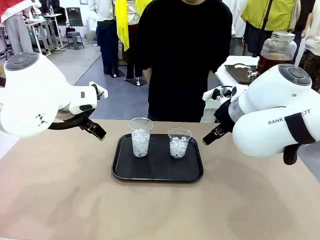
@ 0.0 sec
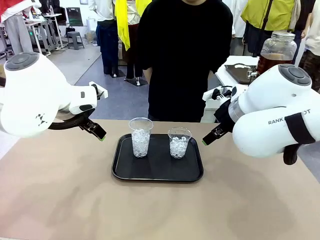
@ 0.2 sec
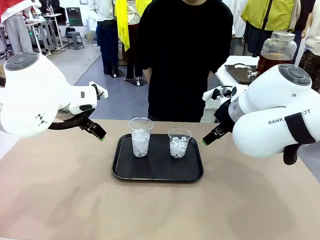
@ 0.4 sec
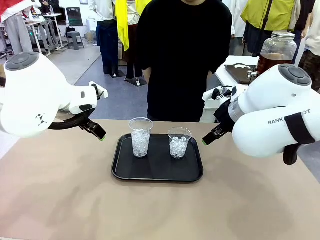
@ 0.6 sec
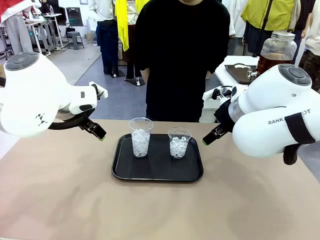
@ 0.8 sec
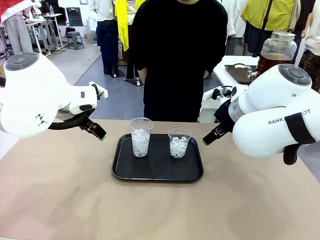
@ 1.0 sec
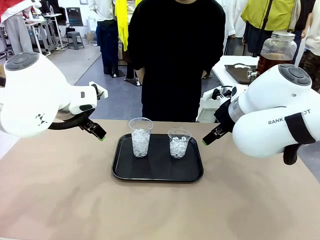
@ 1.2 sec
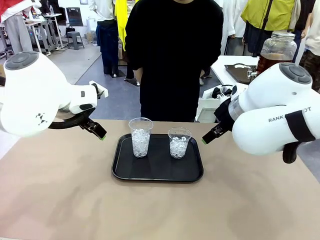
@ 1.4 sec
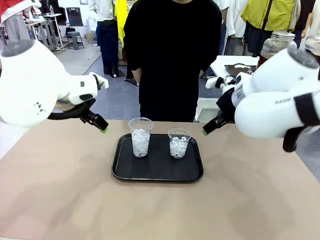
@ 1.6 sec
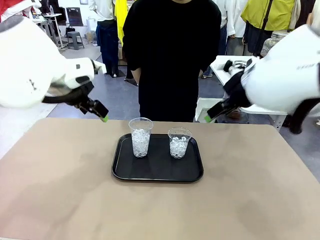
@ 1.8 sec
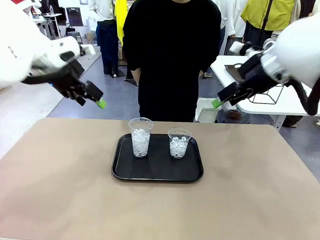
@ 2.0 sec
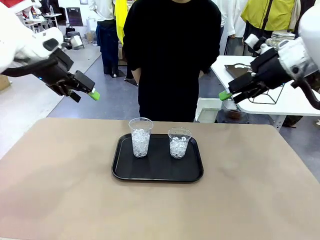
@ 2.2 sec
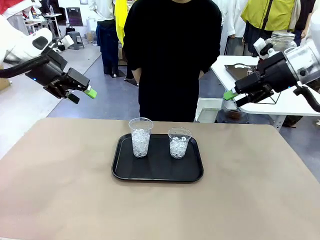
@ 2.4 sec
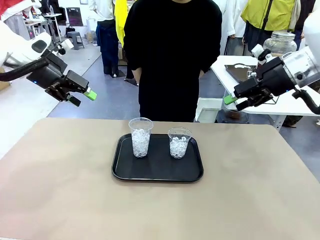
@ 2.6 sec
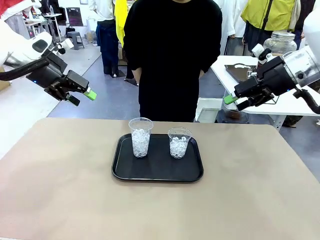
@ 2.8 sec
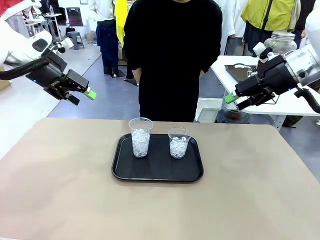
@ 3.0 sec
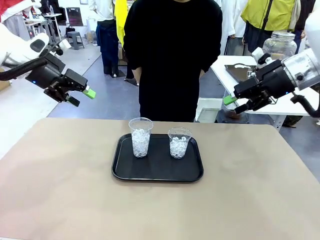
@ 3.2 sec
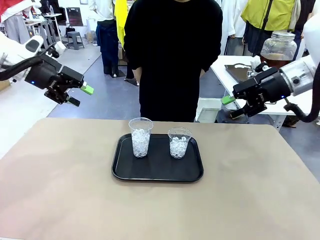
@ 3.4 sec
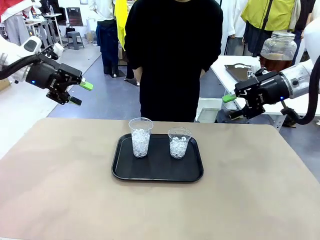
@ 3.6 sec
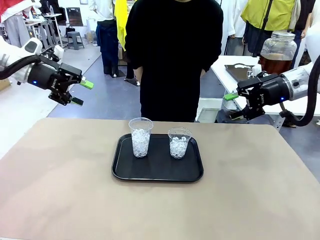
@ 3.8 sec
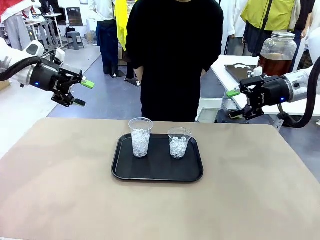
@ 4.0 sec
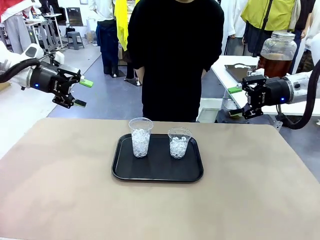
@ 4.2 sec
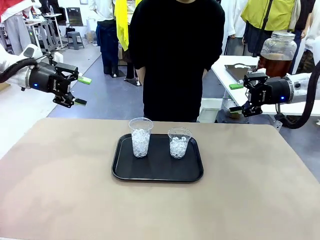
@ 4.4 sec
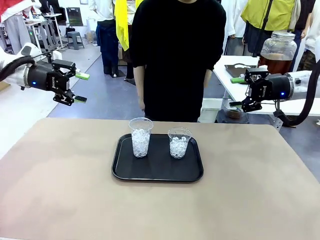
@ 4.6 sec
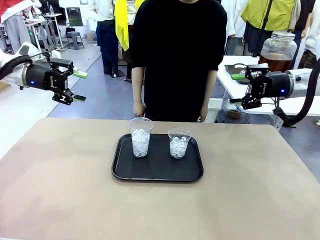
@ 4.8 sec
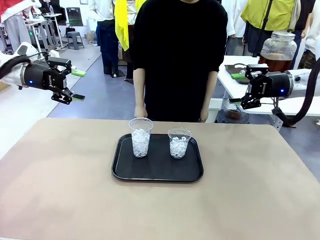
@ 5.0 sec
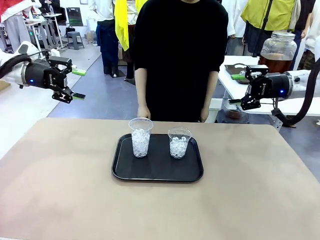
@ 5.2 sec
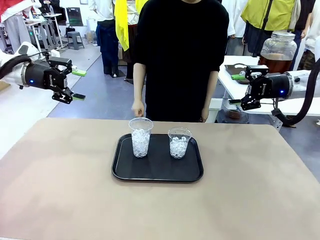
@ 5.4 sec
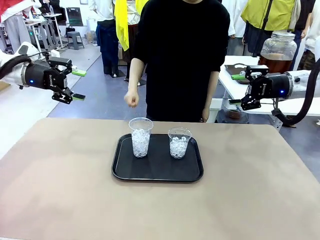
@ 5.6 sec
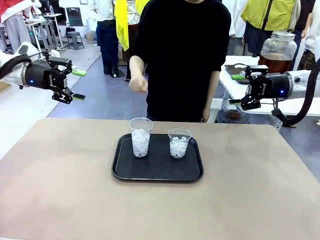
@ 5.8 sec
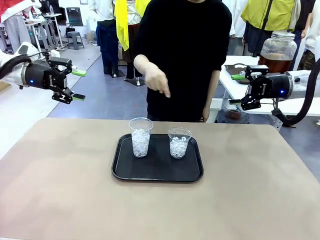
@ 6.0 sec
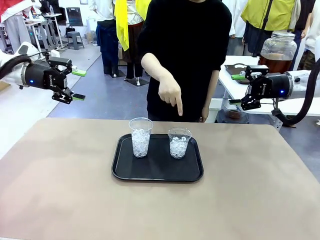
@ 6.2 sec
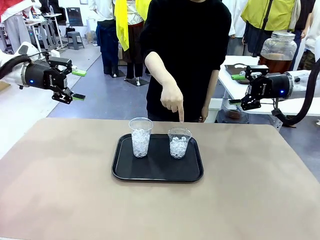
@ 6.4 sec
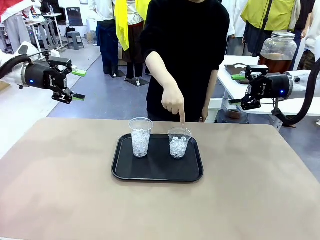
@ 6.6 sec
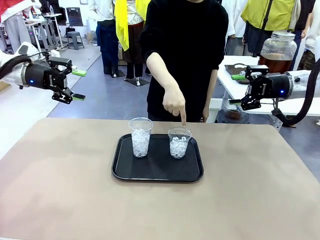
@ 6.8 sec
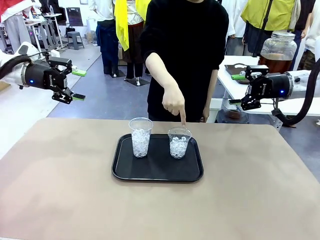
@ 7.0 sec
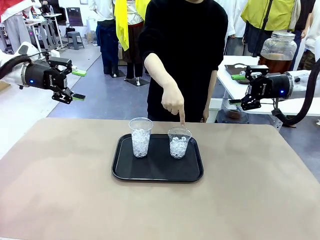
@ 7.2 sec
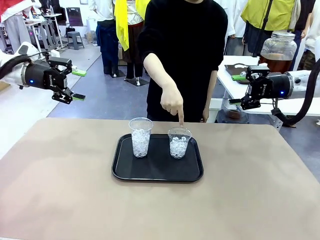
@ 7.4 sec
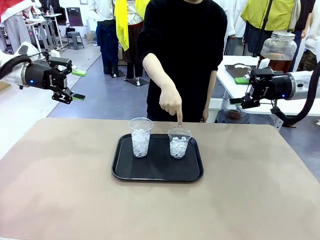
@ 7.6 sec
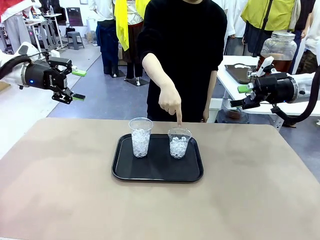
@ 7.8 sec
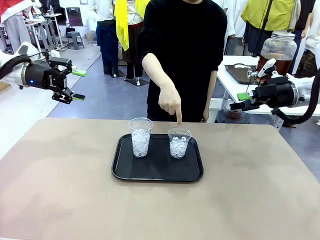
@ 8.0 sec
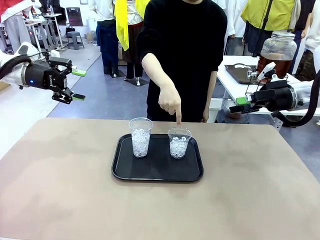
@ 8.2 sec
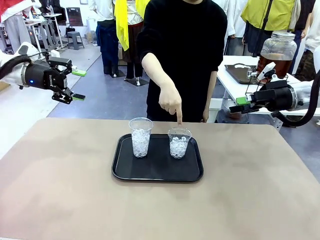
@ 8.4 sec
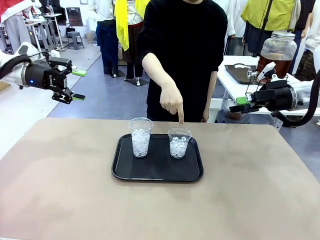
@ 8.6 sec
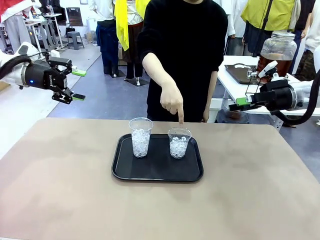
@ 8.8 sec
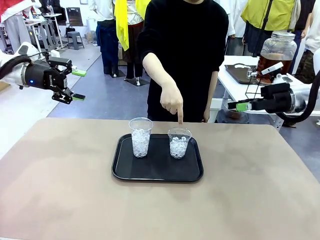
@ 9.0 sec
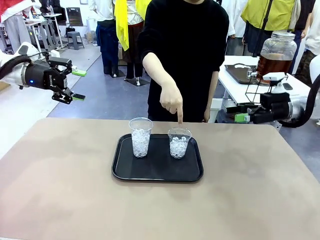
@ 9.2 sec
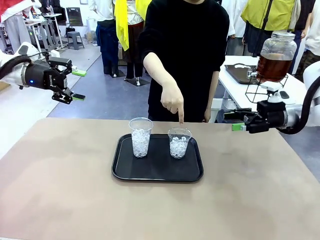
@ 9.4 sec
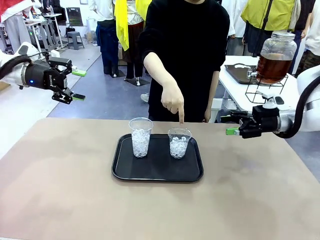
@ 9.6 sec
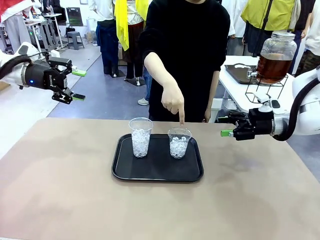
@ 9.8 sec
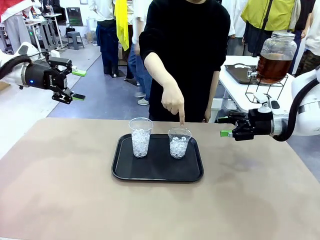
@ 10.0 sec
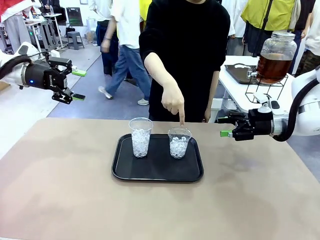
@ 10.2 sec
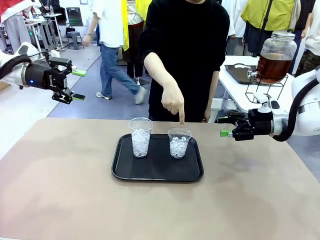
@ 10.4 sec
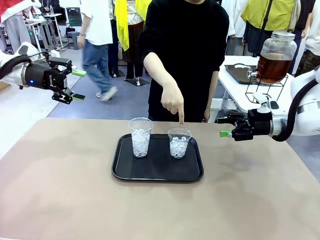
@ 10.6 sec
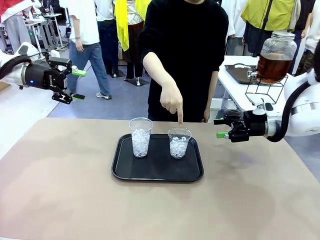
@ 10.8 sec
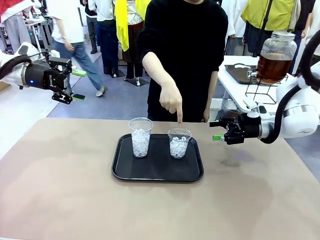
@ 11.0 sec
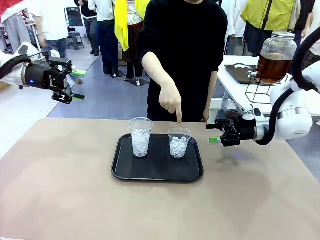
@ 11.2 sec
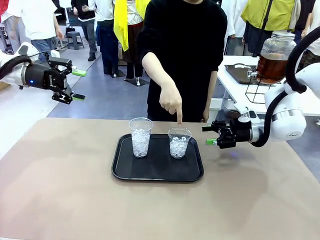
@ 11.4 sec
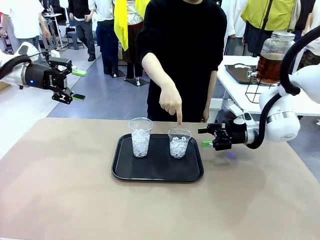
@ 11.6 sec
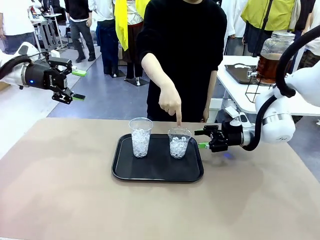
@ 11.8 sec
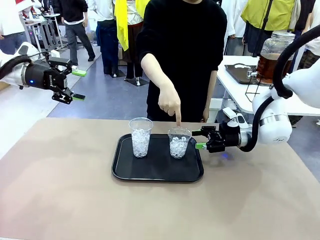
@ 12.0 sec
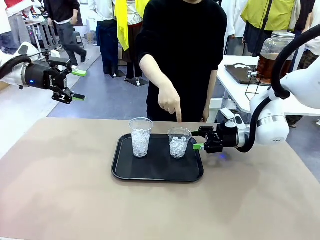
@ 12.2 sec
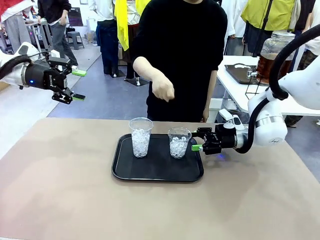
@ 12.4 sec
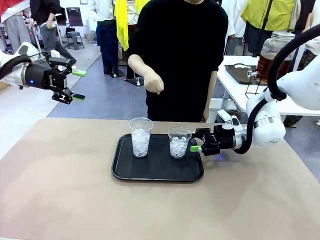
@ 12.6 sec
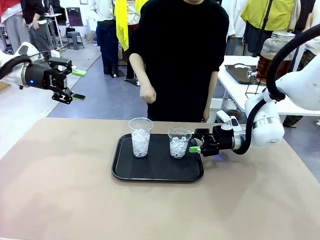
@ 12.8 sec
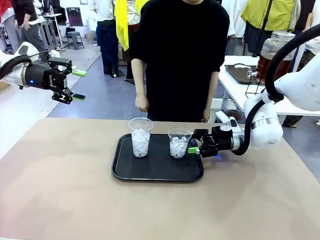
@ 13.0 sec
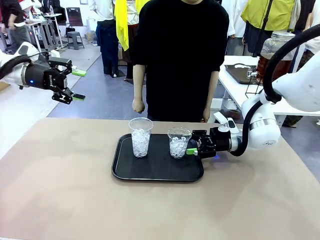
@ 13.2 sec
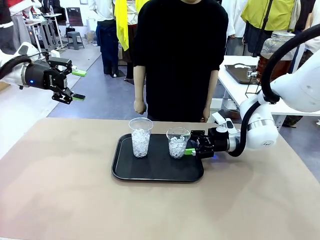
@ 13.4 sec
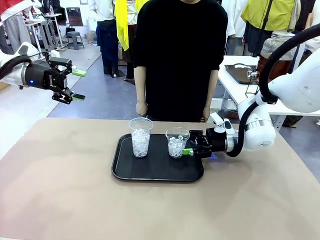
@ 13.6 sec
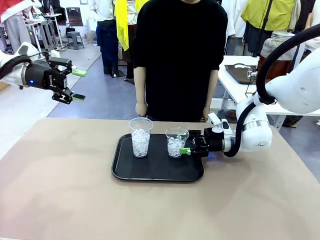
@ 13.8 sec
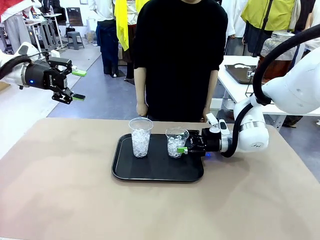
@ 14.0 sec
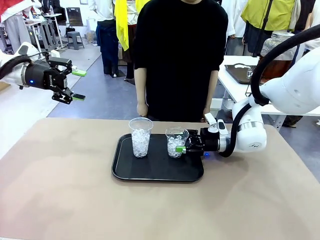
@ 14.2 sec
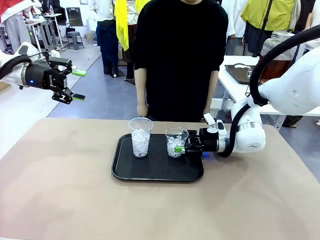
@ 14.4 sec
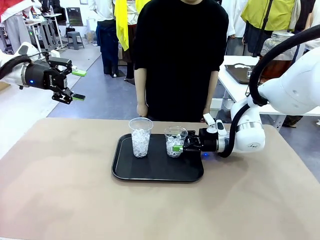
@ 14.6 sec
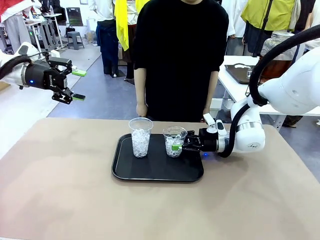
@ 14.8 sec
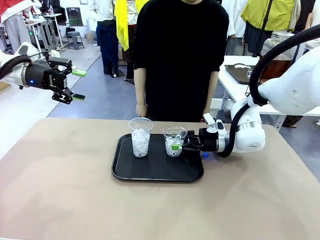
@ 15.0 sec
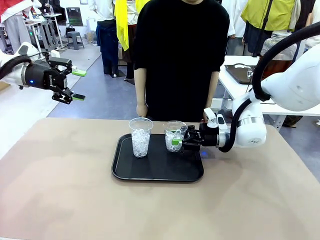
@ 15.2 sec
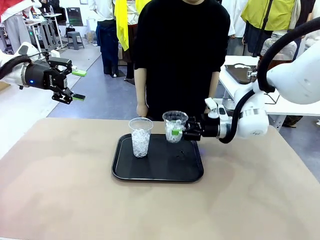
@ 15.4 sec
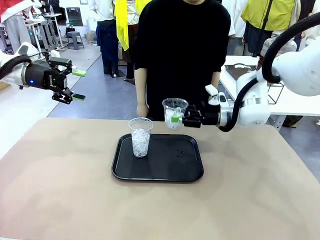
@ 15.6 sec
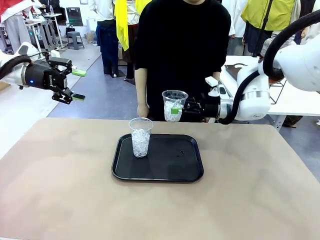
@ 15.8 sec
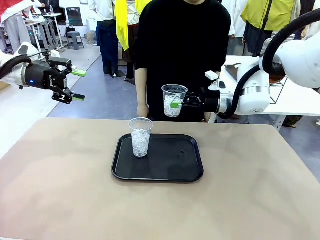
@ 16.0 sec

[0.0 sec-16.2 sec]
Task: Pour the drink into the iced cup.
Robot: Pick up the iced cup indicated by the human and present it to them.
Person: Point to one of the two ice cups. Pick up the cup offered by the robot.

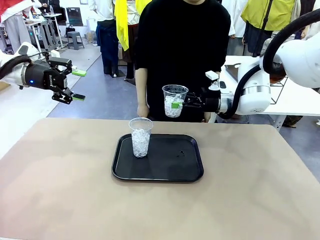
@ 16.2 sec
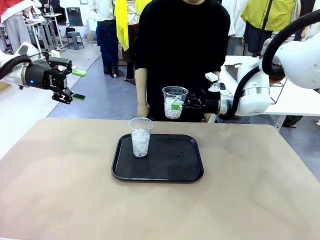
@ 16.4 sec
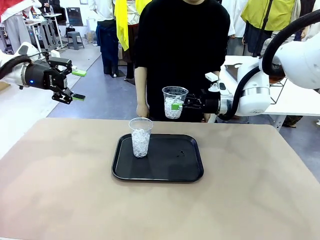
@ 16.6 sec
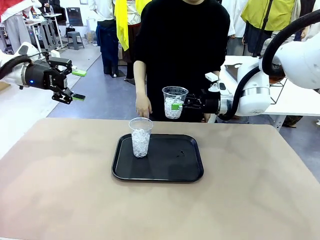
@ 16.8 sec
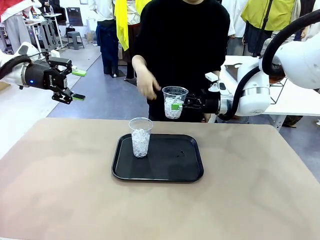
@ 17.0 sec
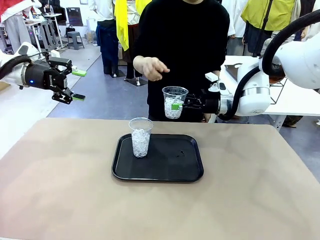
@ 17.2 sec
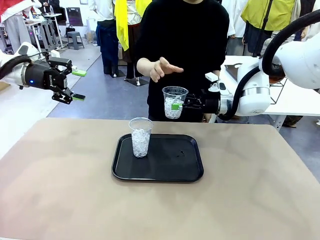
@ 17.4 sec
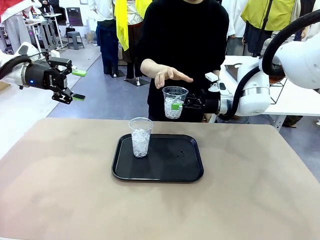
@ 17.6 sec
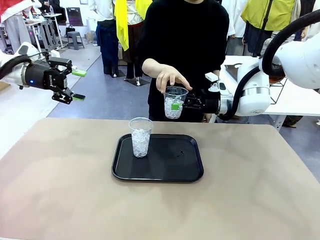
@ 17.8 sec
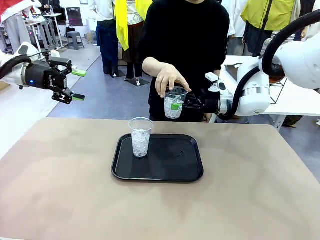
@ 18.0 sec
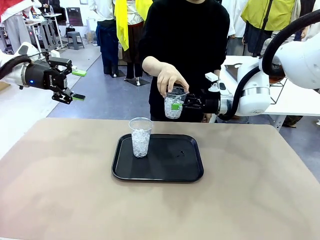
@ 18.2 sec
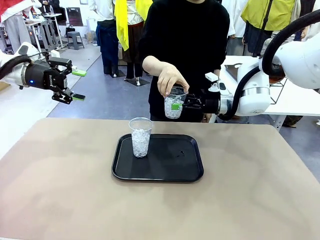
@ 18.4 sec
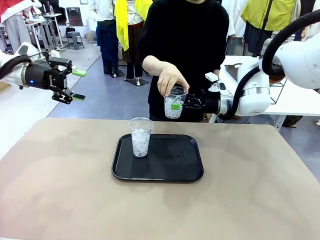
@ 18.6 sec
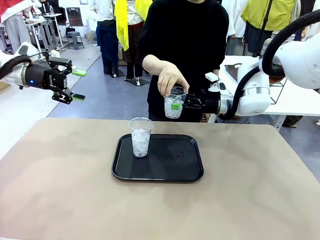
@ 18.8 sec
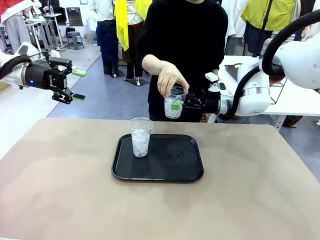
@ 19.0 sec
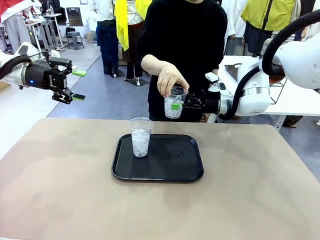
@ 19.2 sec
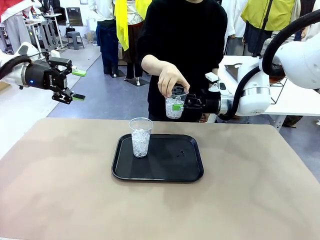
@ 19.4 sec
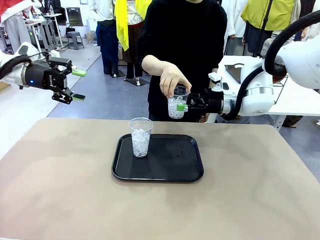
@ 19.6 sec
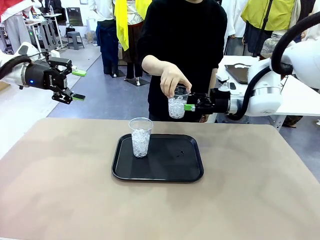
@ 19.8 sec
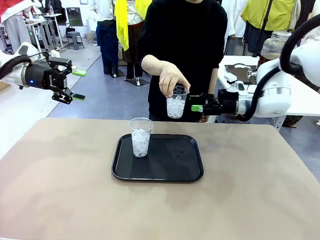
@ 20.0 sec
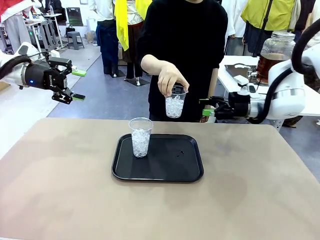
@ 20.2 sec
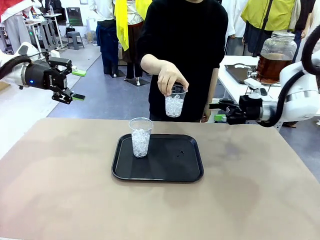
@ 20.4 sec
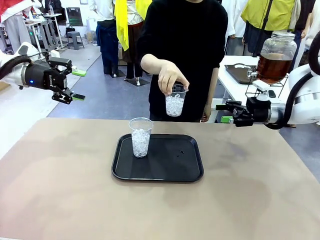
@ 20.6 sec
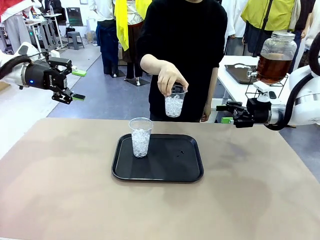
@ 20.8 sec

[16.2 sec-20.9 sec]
Robot: Open the gripper to release the iced cup you were holding.
